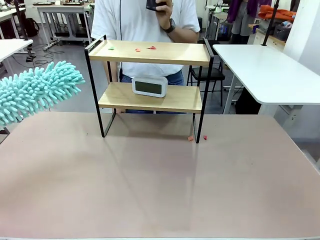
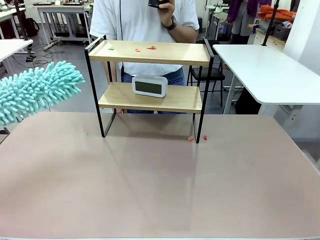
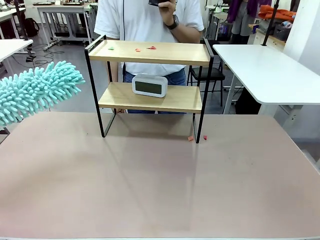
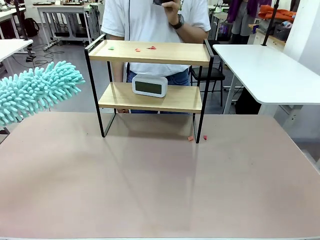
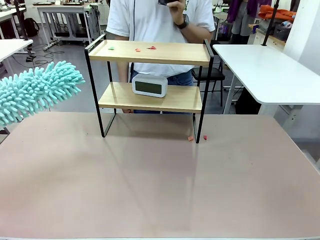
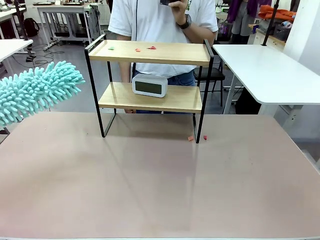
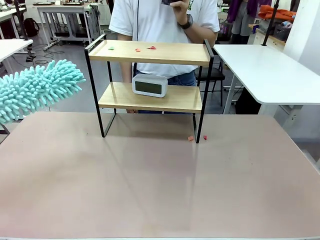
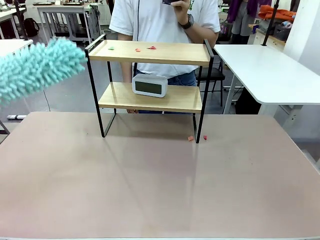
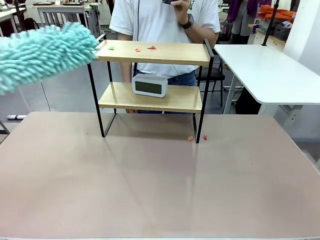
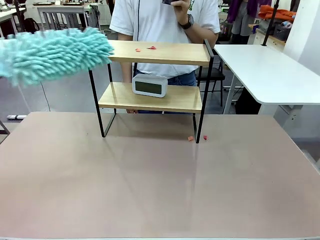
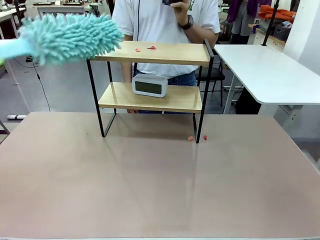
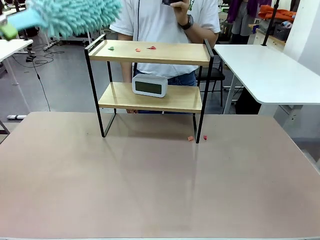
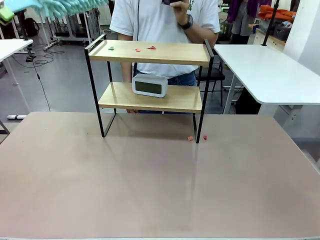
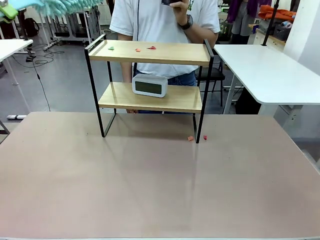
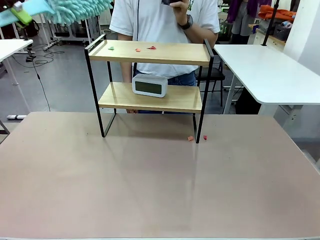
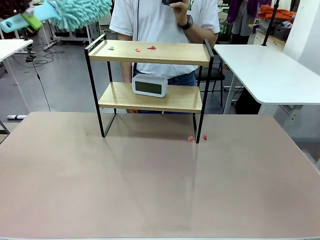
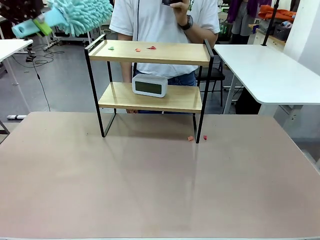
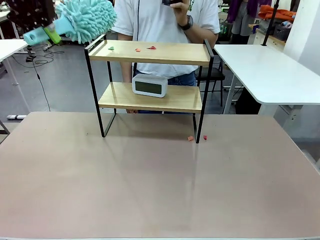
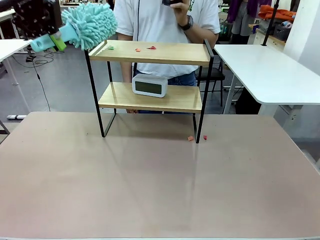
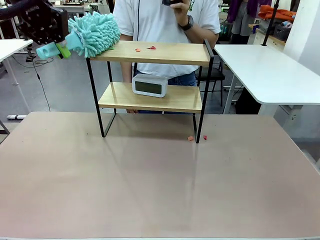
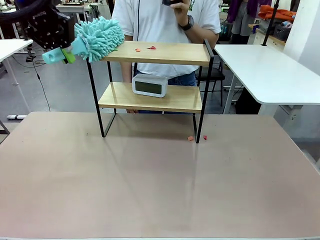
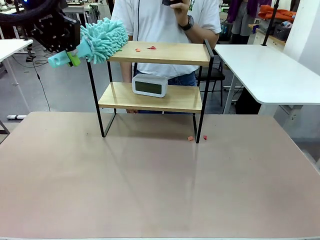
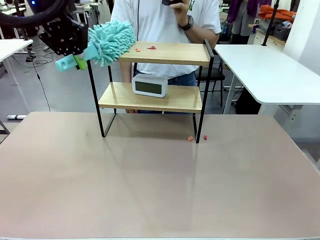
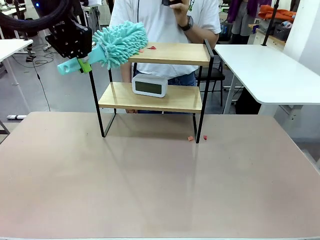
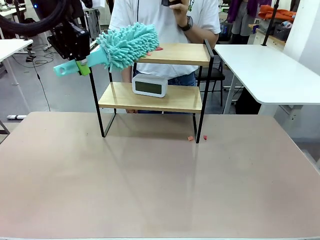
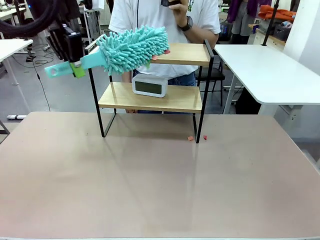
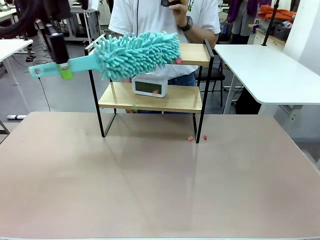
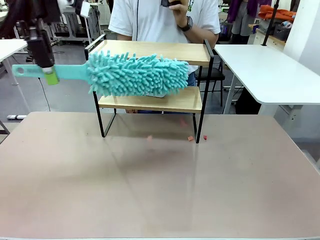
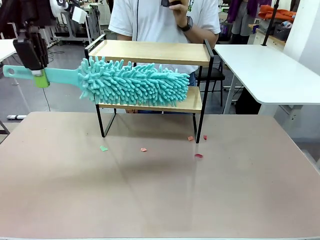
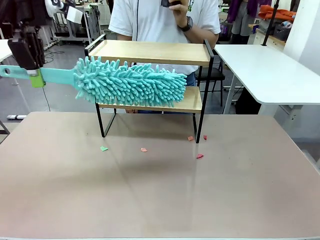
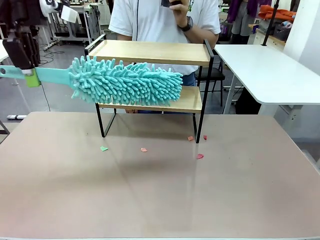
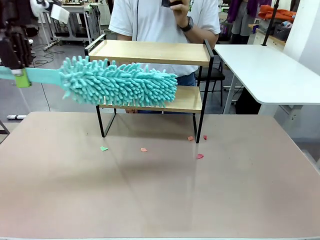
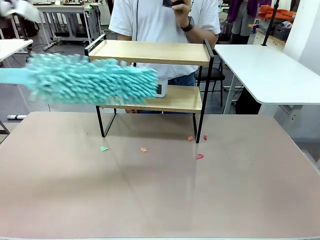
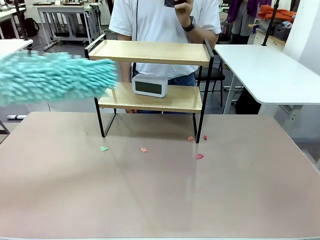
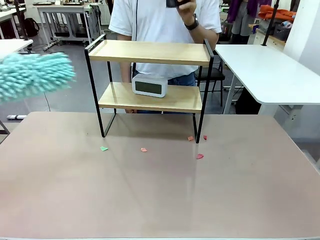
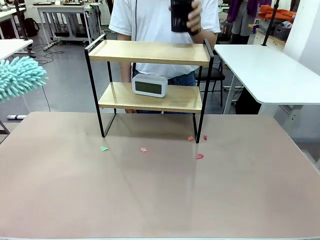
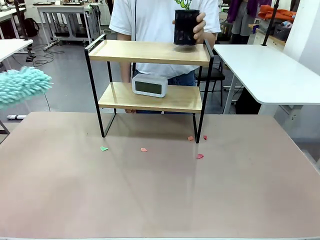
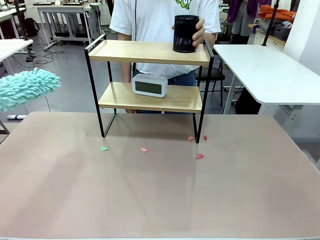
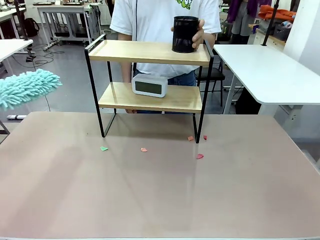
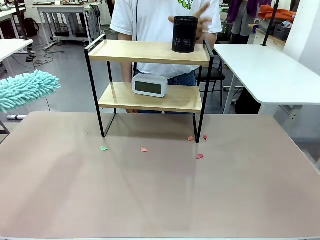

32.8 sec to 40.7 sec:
Task: Clean the shelf.
Robot: Clean the remaining tier of the Shelf with the Duster once objects are removed.

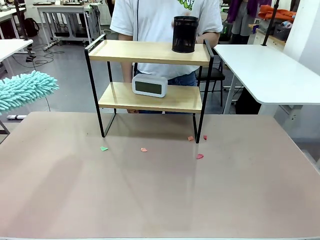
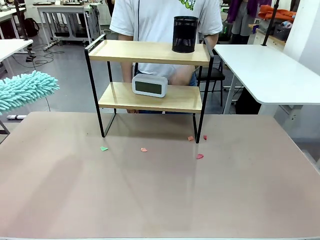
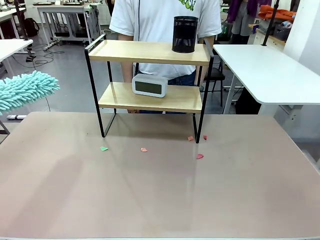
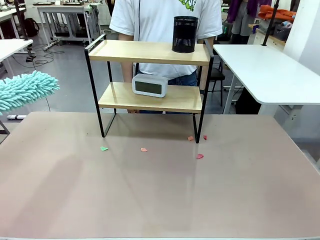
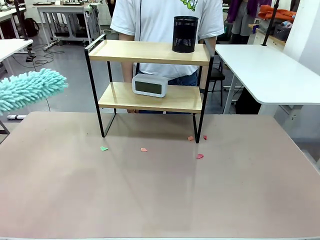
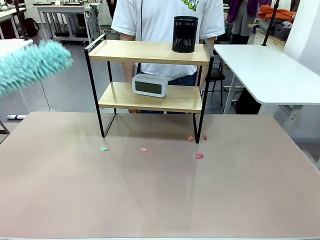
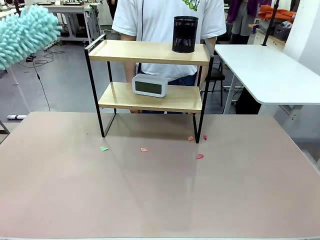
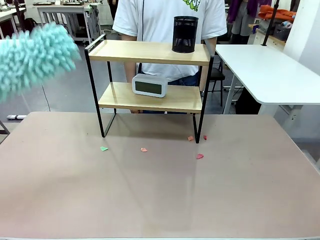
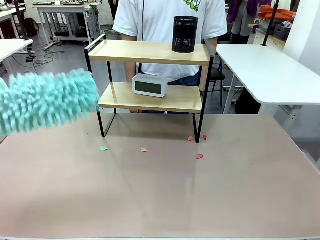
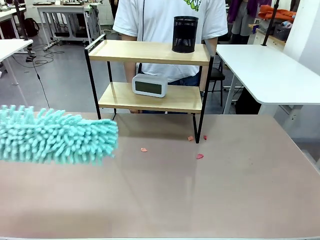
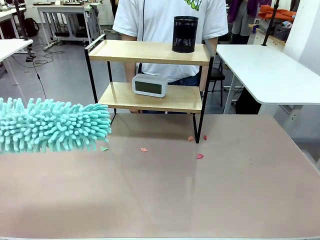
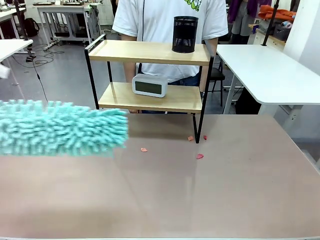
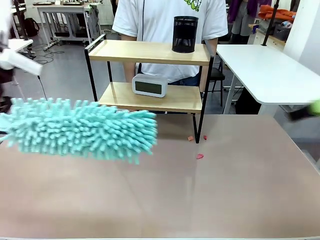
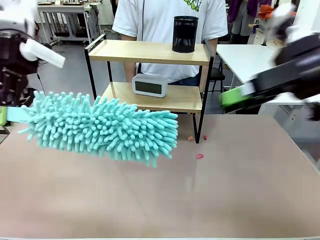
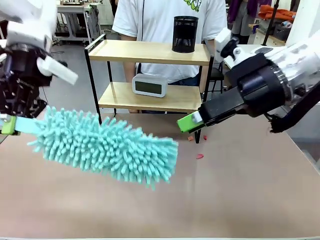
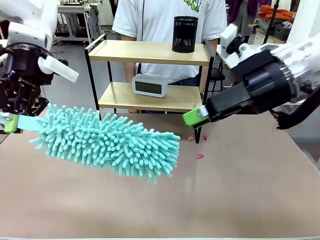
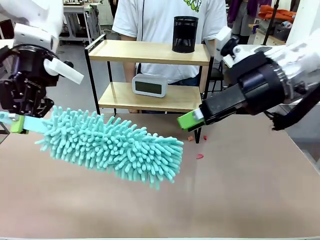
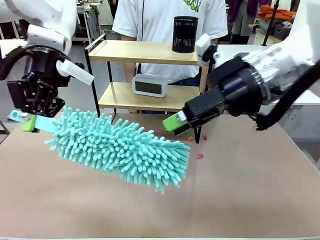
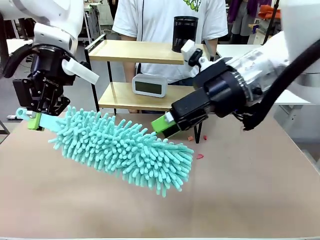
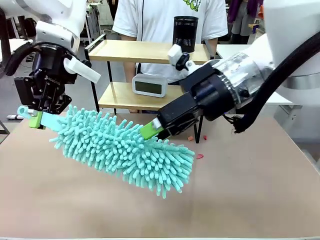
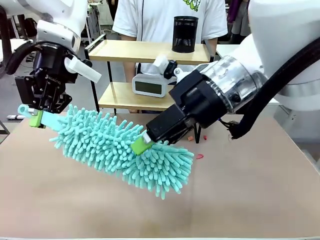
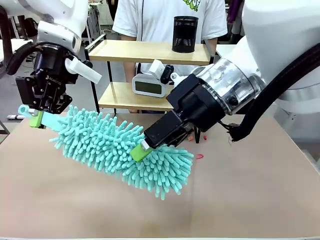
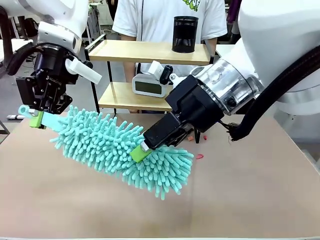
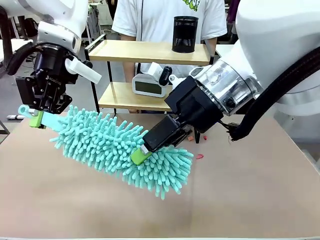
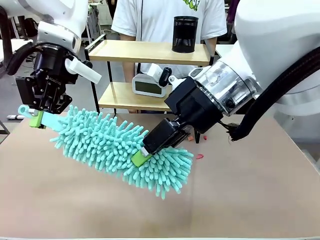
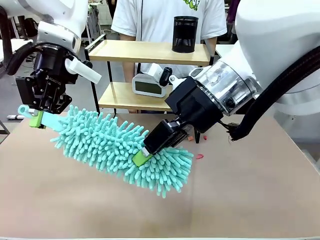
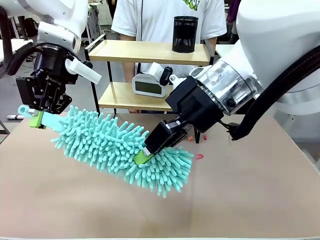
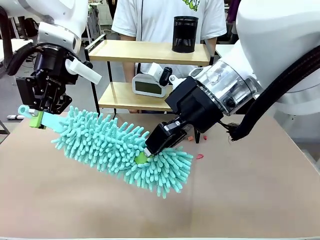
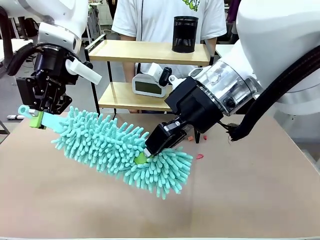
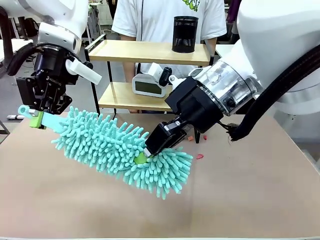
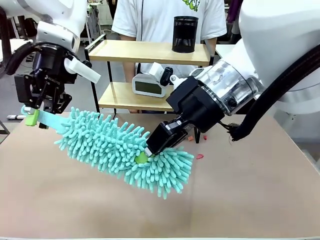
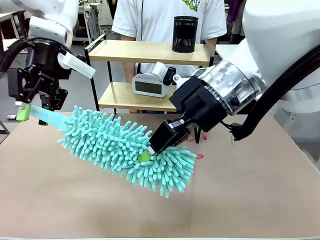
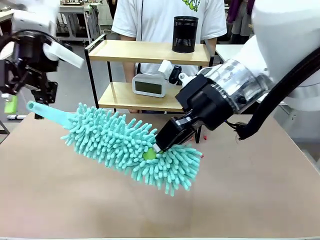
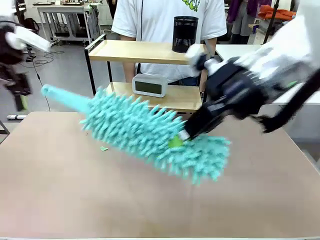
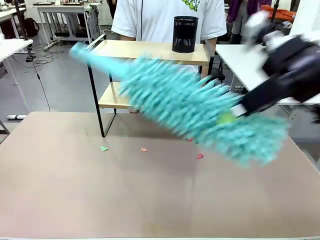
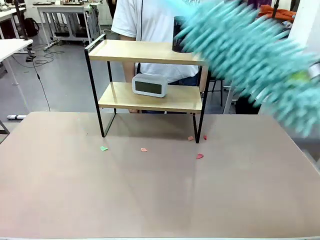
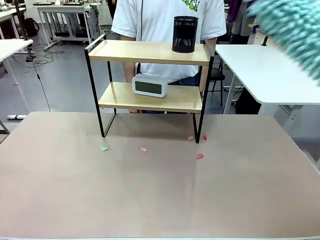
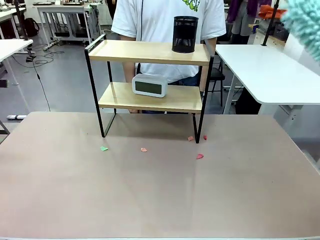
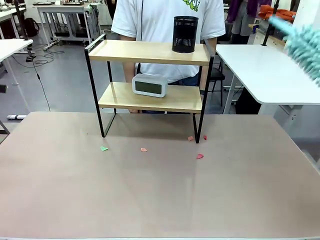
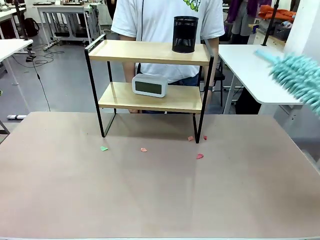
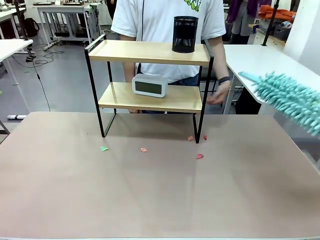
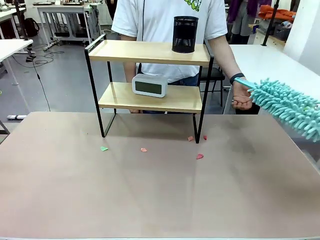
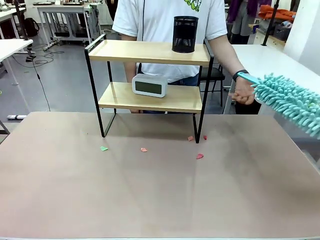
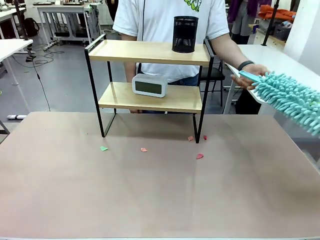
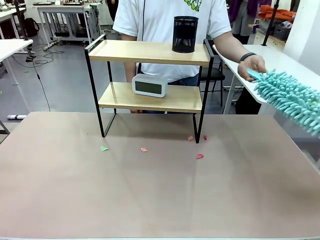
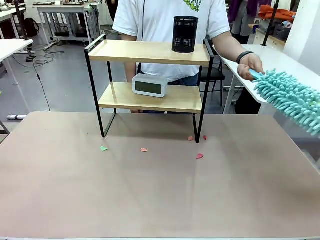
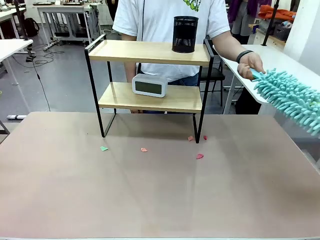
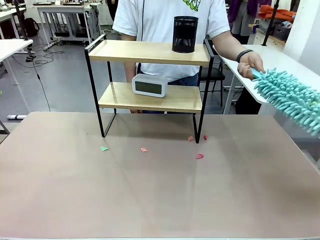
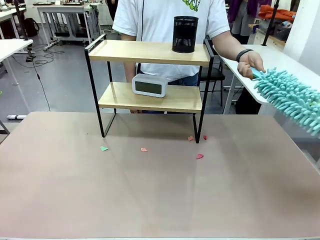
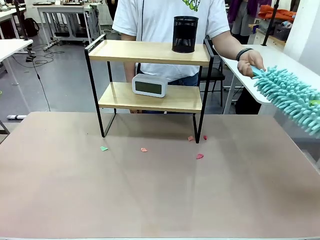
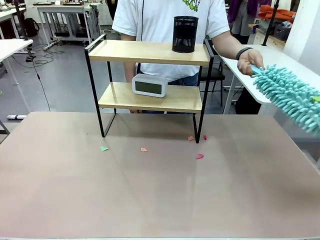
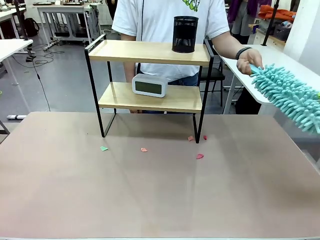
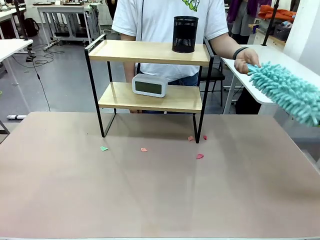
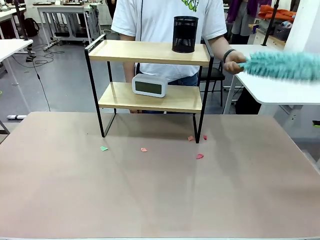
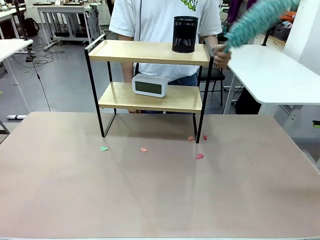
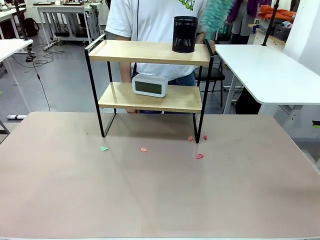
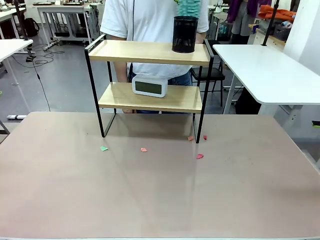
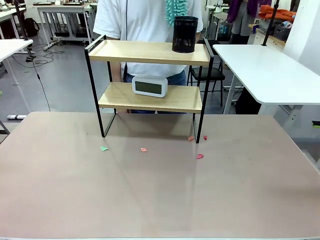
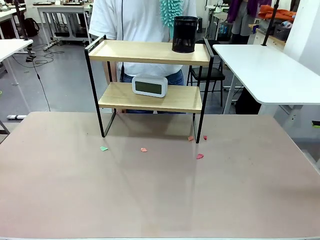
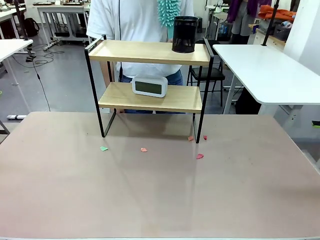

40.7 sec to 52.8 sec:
Robot: Hand the Duster back to the human.
Person: Receive the Duster from the robot.
